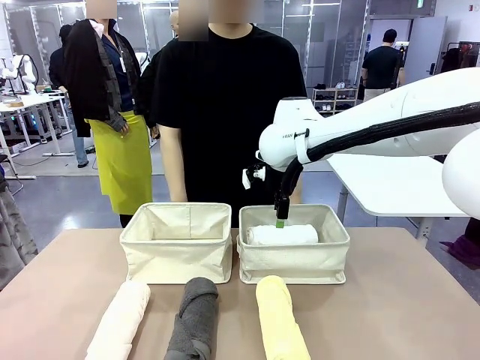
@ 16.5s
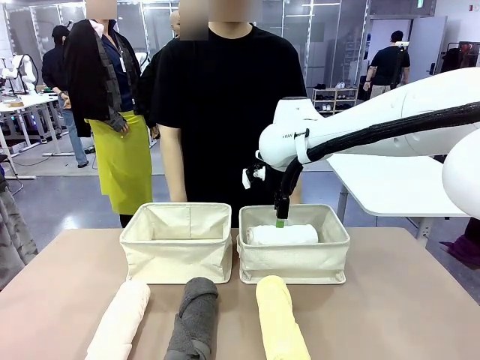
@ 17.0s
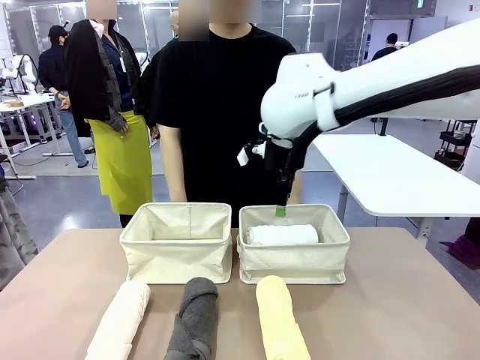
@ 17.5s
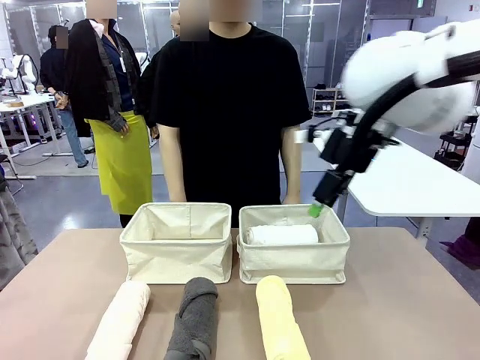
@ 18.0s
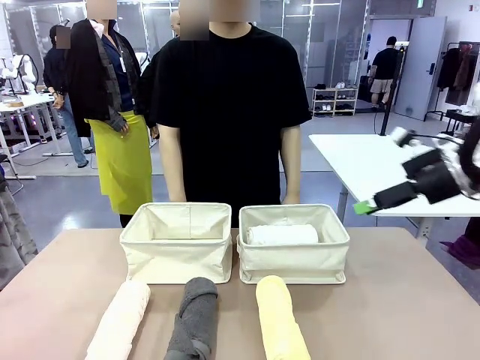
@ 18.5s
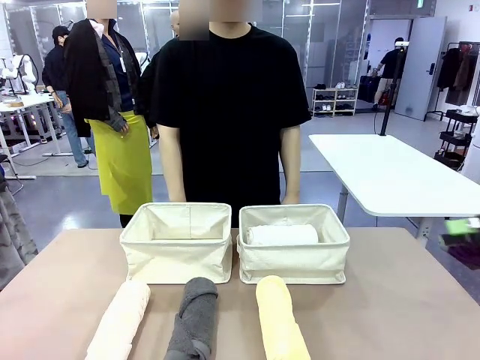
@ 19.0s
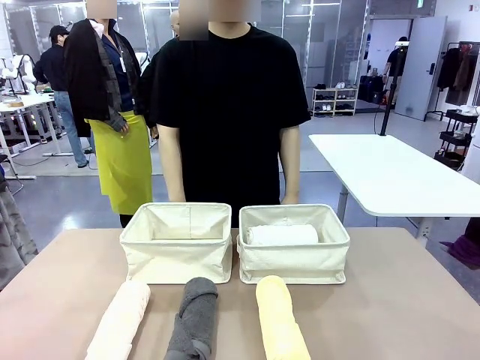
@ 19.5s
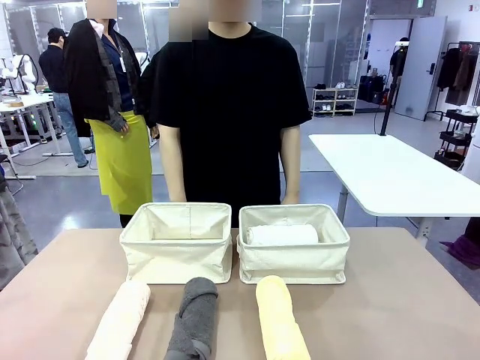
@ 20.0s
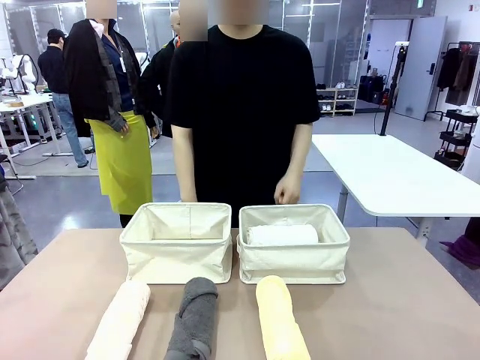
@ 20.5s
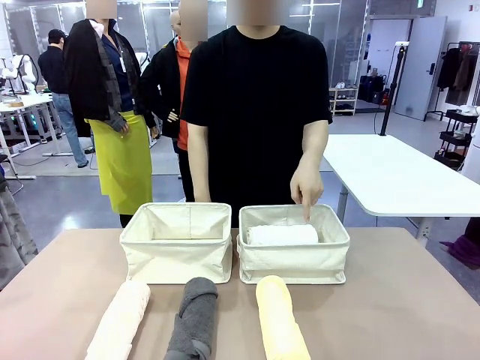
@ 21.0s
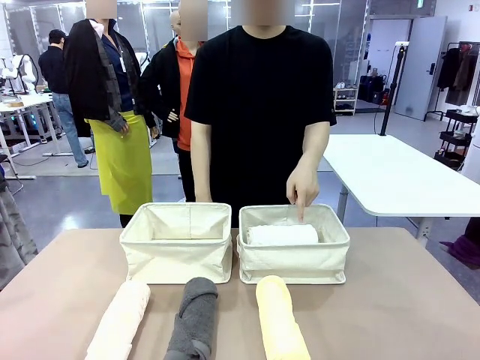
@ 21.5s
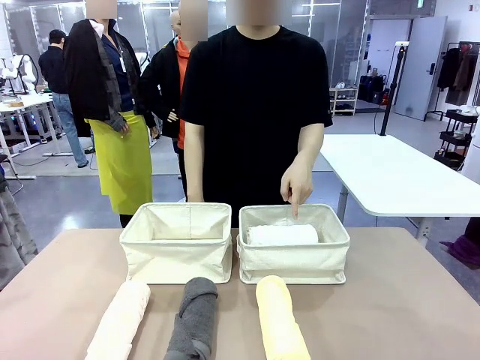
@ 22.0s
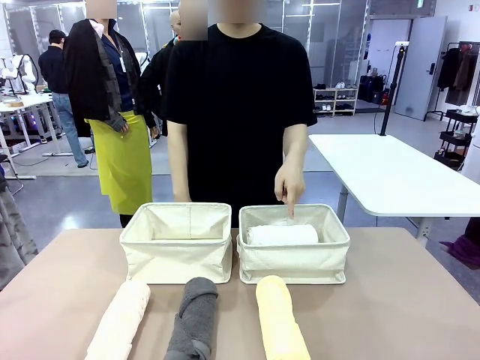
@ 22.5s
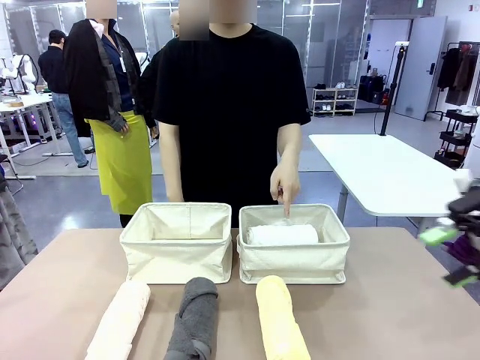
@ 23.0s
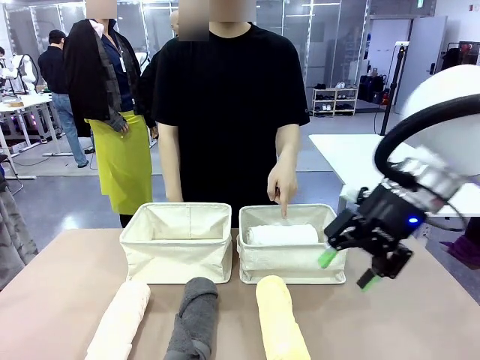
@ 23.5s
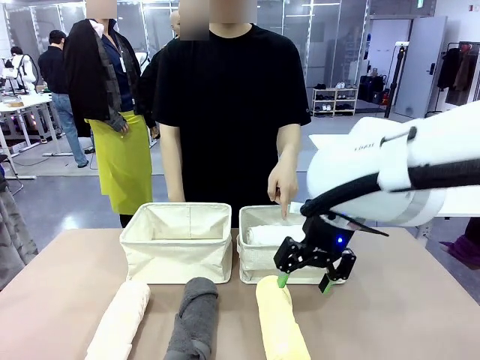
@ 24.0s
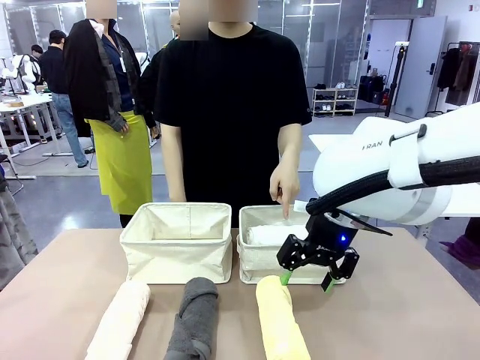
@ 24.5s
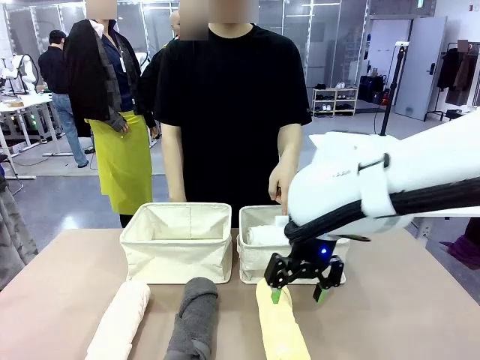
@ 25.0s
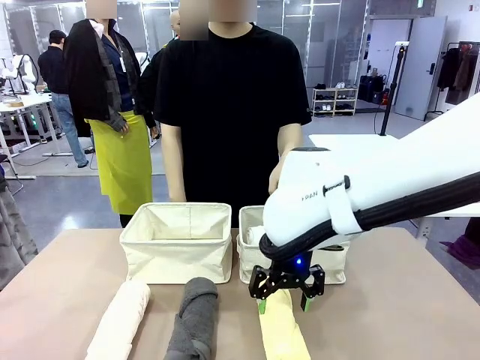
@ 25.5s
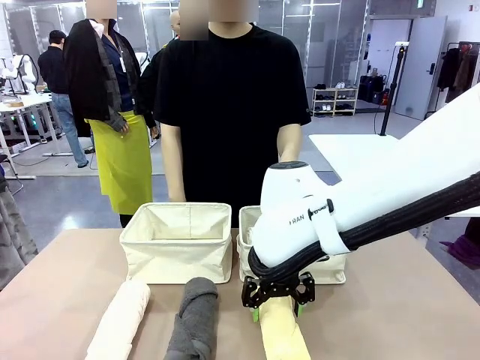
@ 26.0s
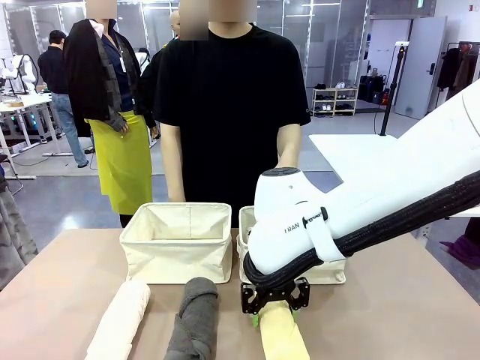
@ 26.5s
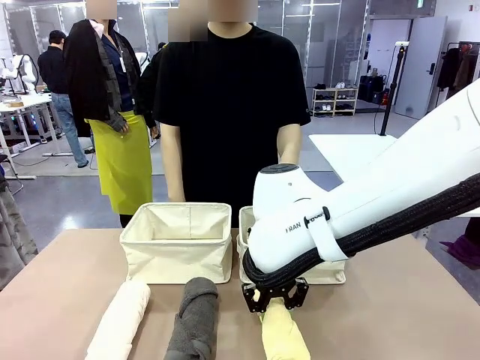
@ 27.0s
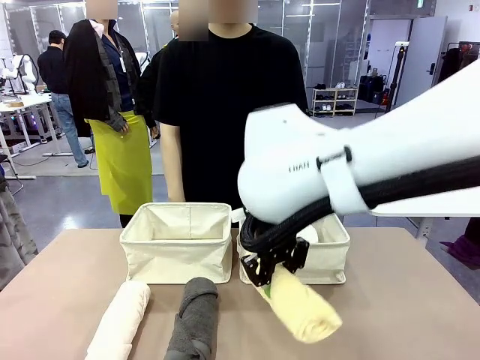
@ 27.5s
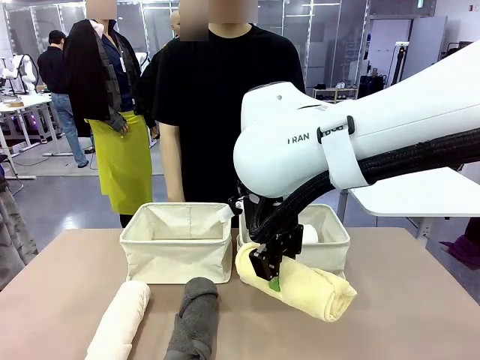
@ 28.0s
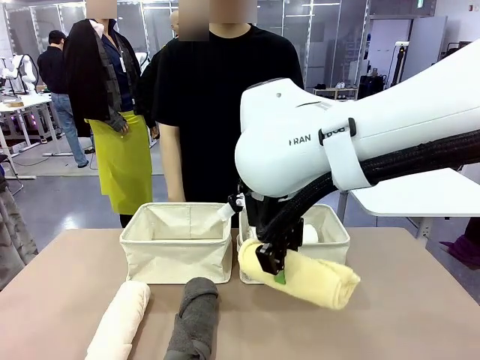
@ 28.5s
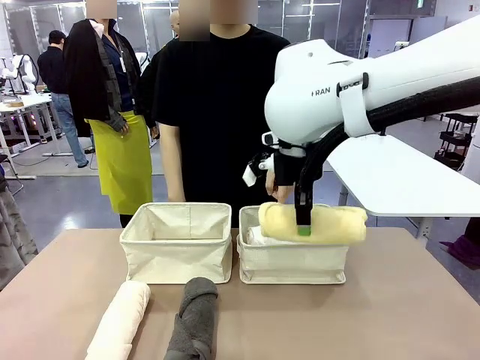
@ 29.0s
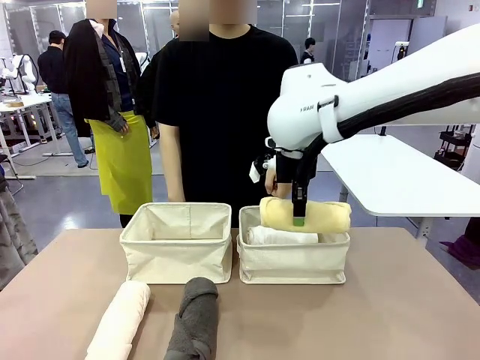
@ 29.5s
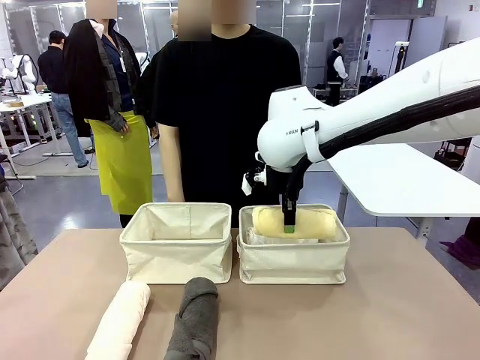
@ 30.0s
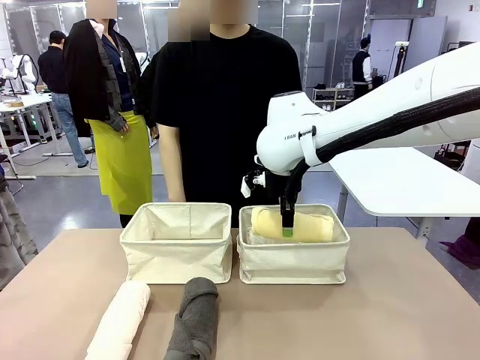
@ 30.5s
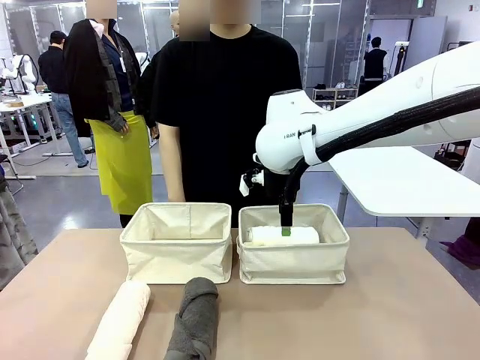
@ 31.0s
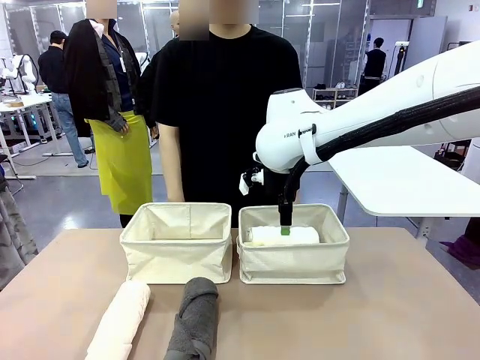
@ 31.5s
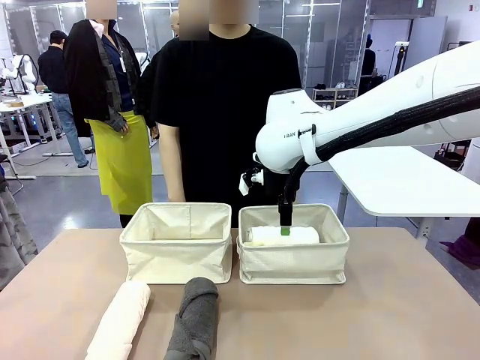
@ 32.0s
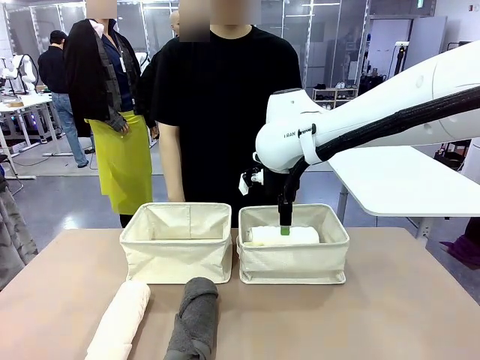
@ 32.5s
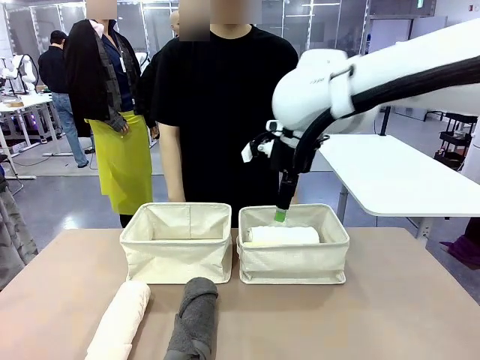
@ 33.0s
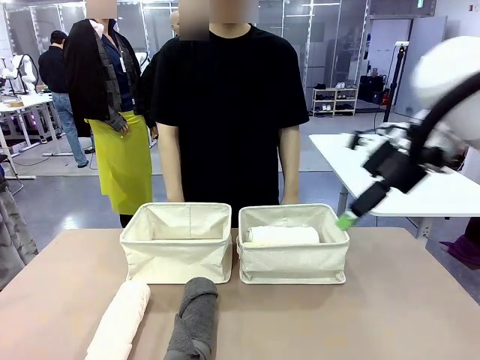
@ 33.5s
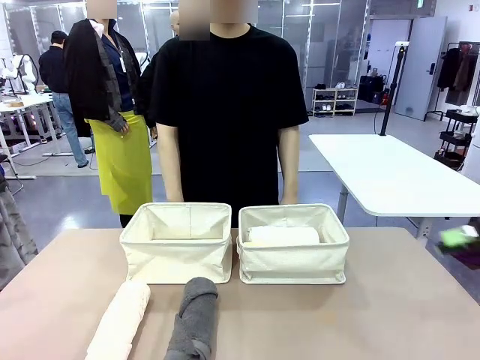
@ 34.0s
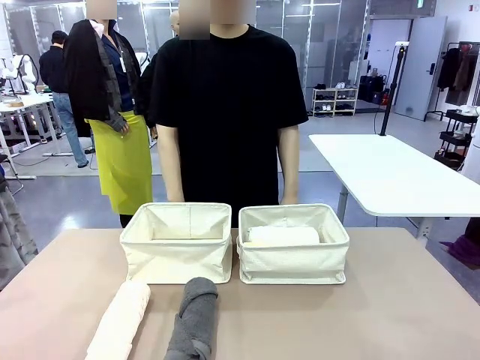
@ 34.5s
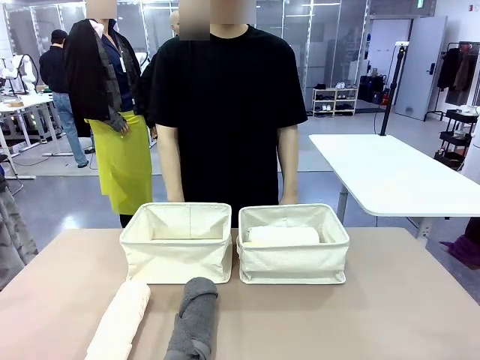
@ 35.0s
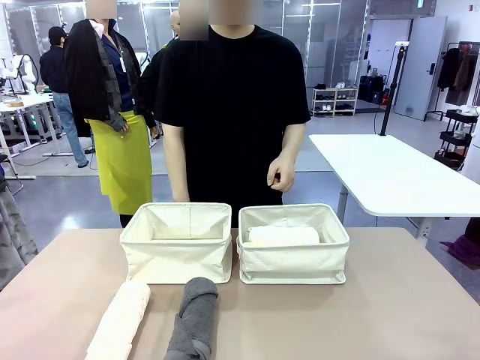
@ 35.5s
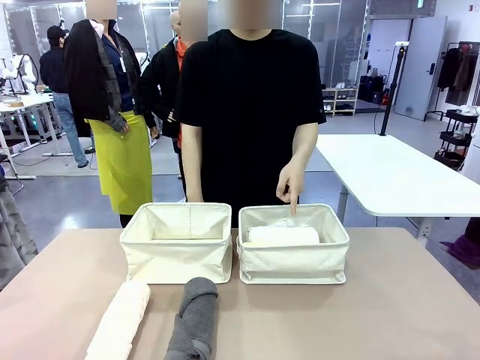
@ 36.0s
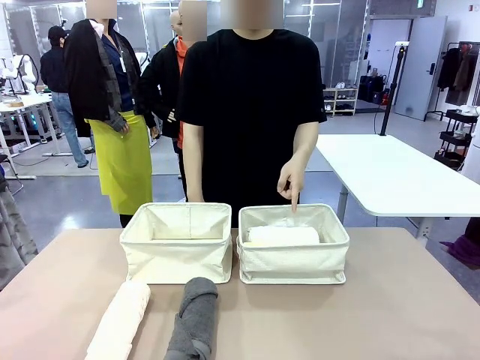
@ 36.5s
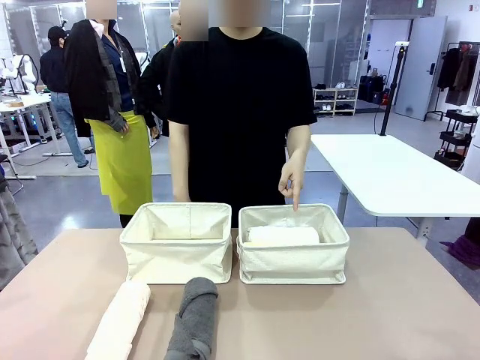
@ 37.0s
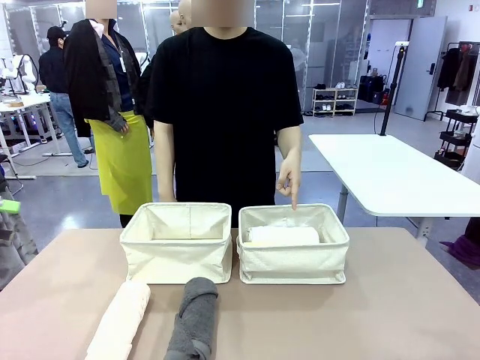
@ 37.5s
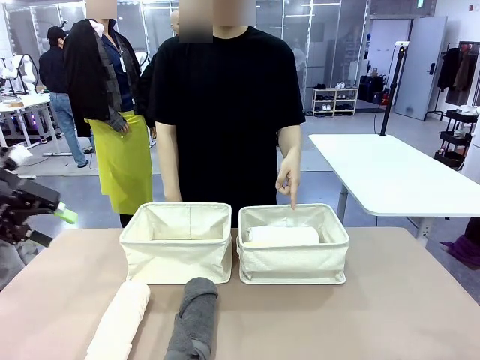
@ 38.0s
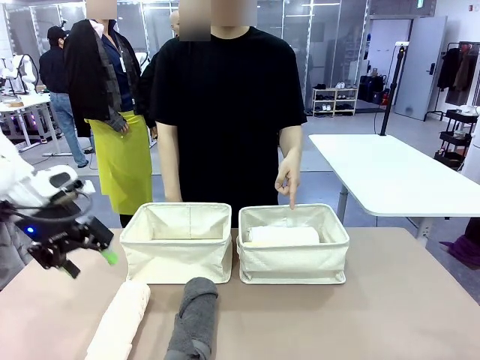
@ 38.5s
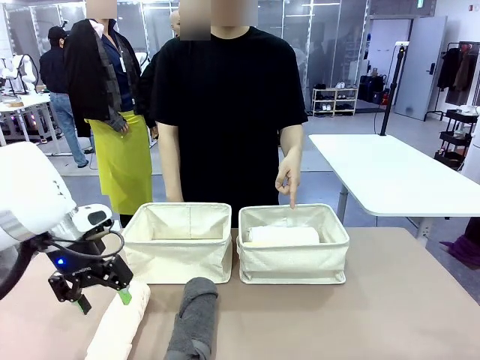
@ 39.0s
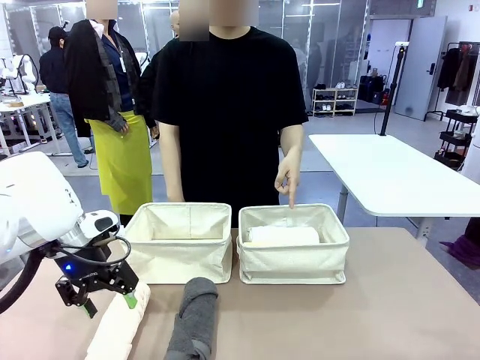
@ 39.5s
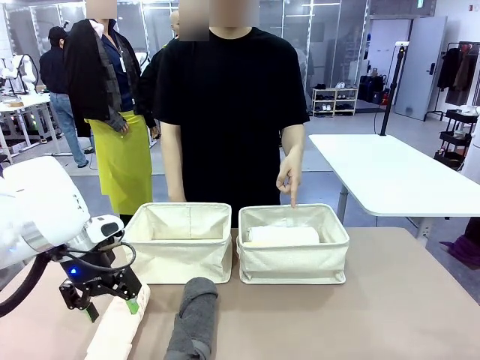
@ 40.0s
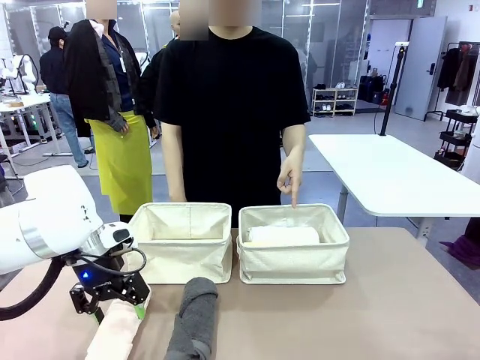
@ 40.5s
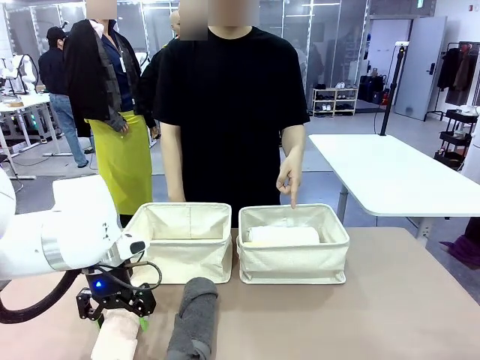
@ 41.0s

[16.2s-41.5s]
Task: Divide the towels into two baskets.
Robot: Pick up one hotel-folded towel from the bottom of the table and place it in the Fabric basket indicated by the person.

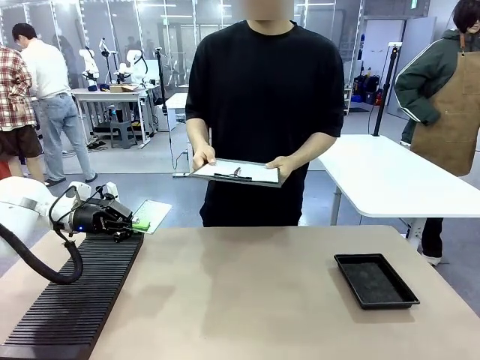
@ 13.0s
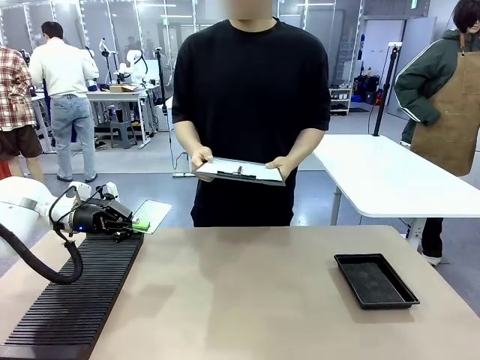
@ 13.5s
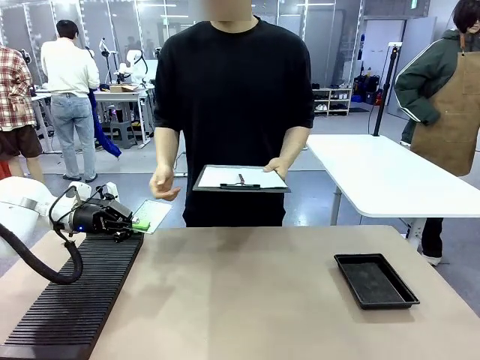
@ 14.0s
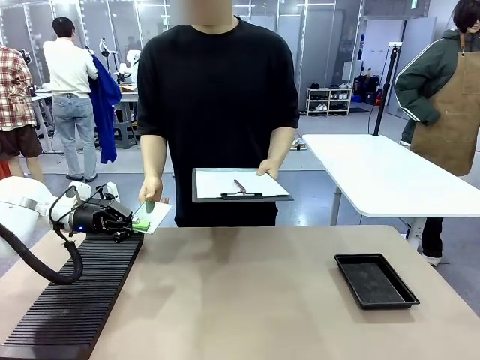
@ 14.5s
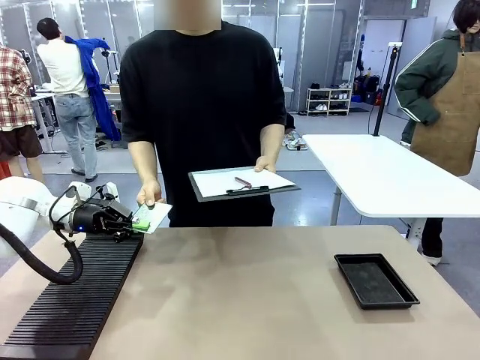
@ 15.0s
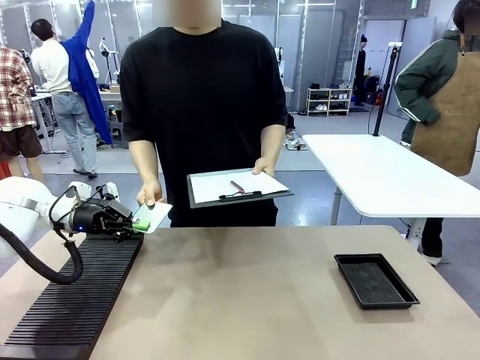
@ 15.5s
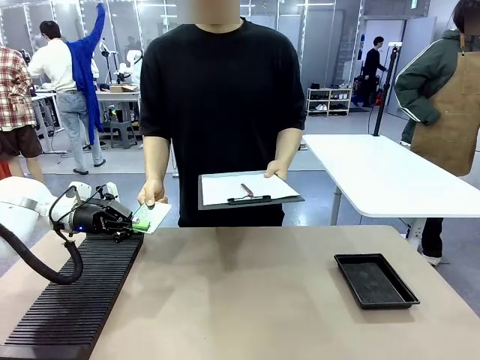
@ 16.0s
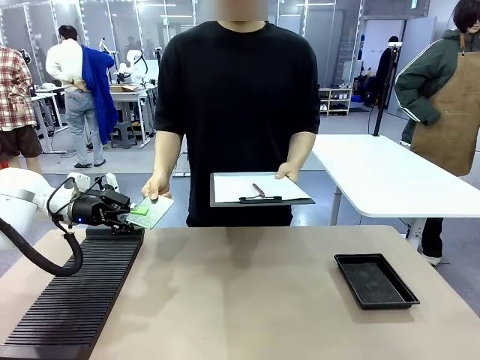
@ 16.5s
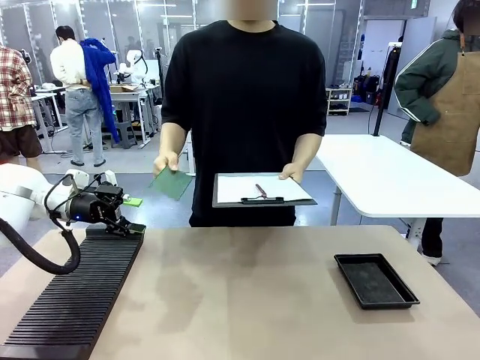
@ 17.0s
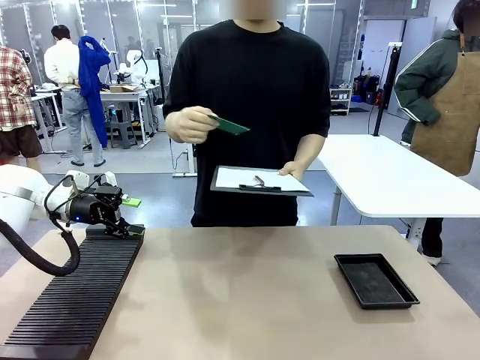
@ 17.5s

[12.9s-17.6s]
Task: Inspect the PCB.
Robot: Release the Blank PCB you were holding.
